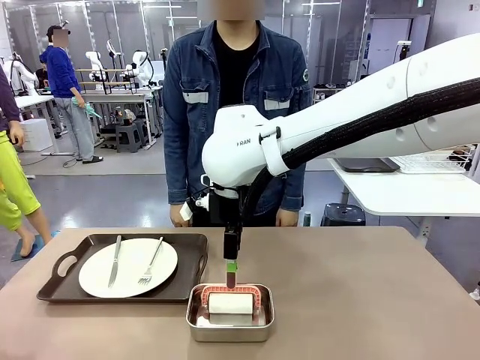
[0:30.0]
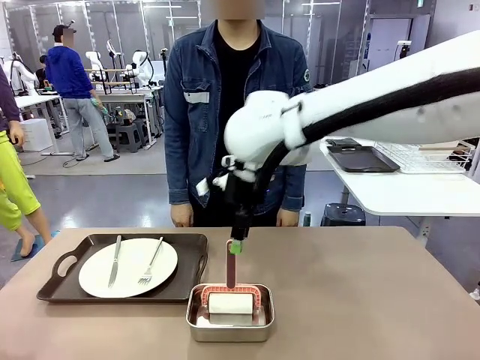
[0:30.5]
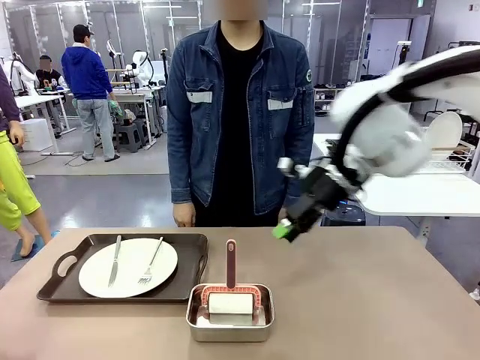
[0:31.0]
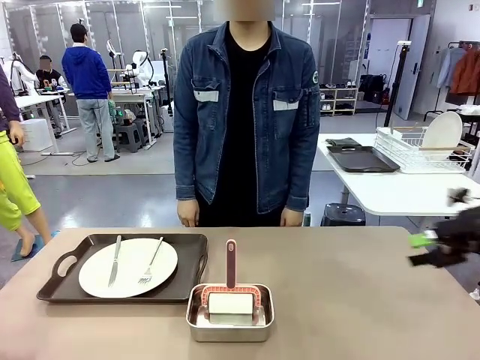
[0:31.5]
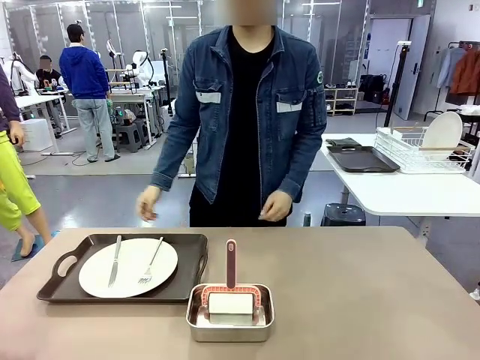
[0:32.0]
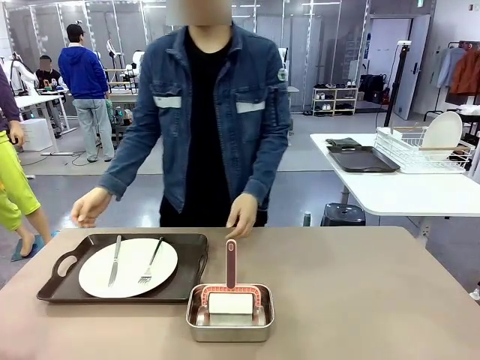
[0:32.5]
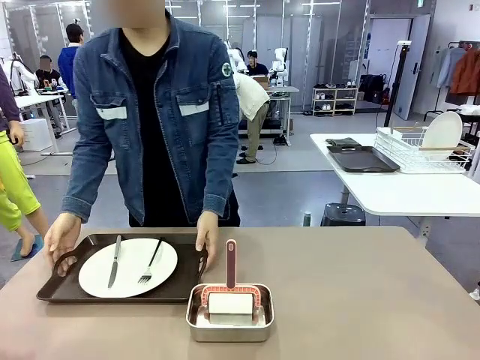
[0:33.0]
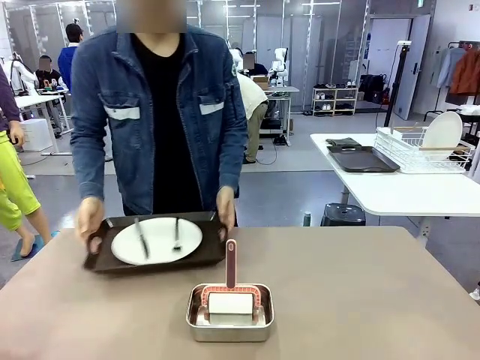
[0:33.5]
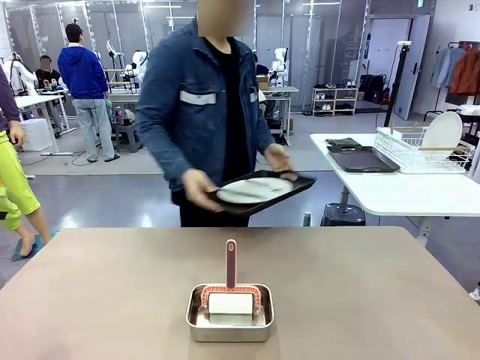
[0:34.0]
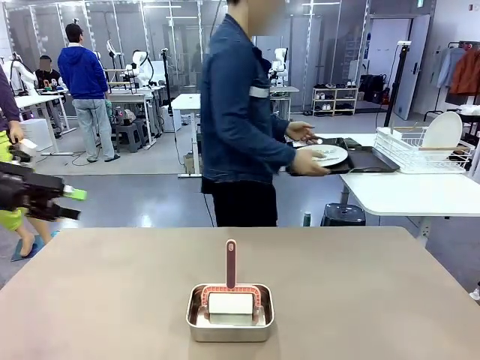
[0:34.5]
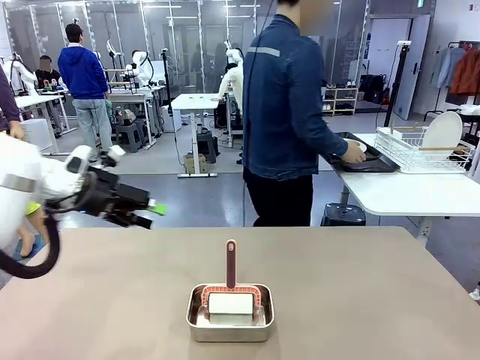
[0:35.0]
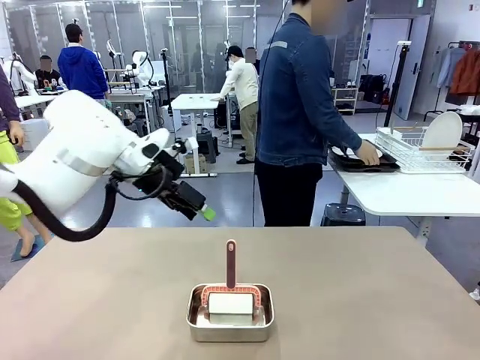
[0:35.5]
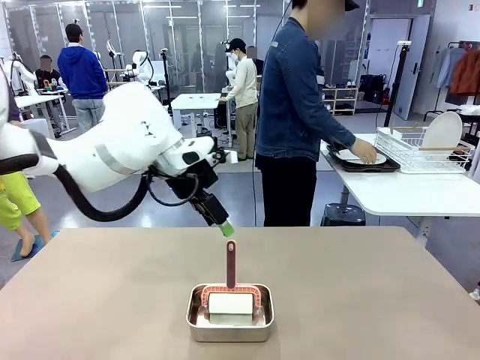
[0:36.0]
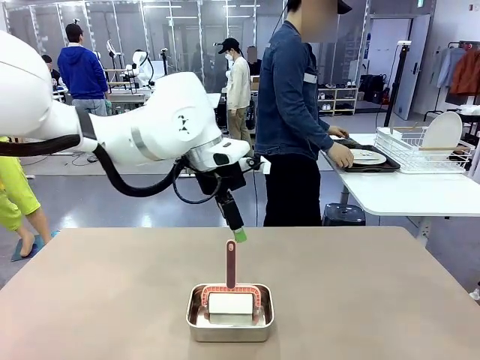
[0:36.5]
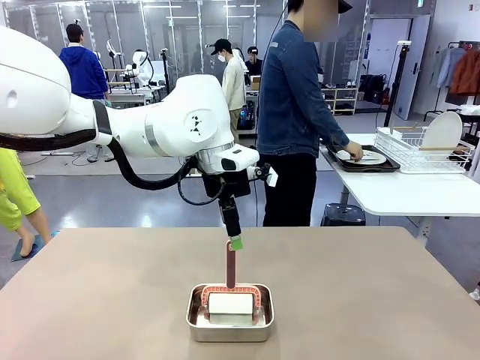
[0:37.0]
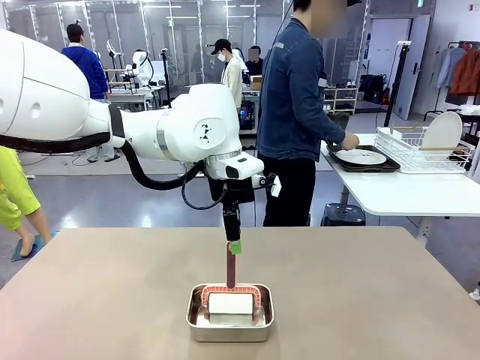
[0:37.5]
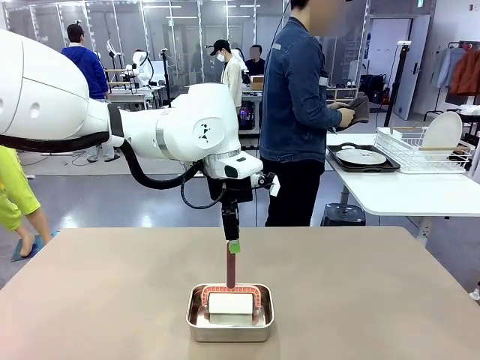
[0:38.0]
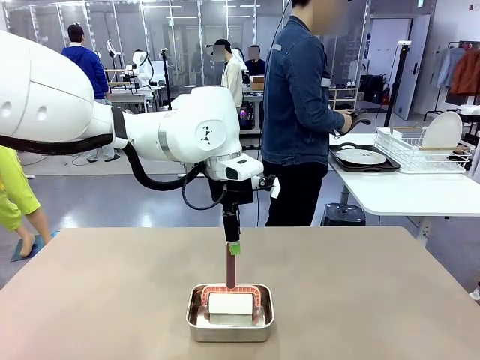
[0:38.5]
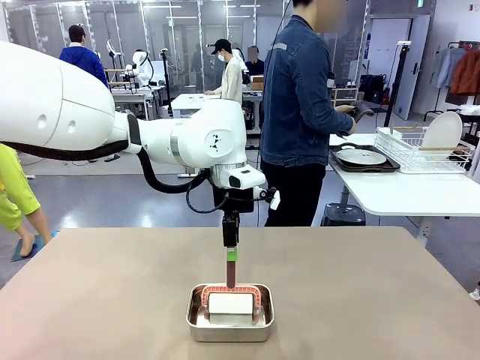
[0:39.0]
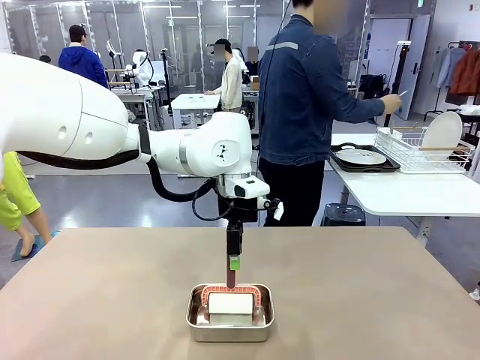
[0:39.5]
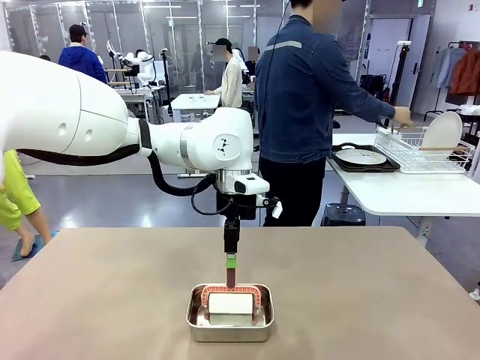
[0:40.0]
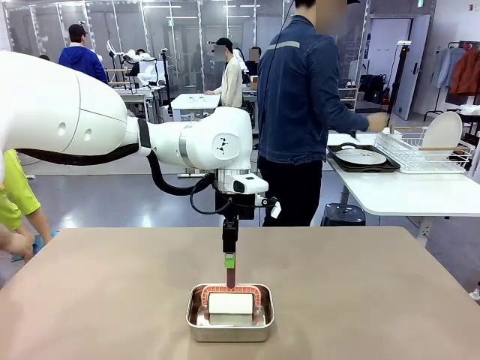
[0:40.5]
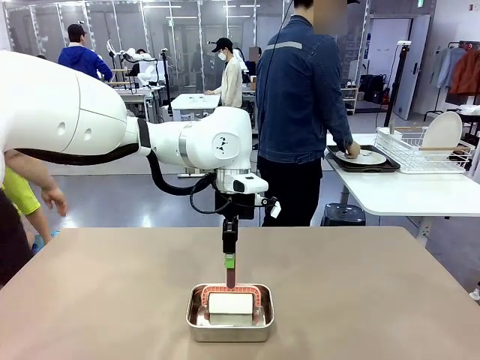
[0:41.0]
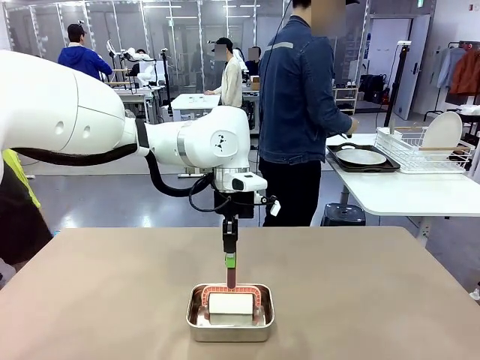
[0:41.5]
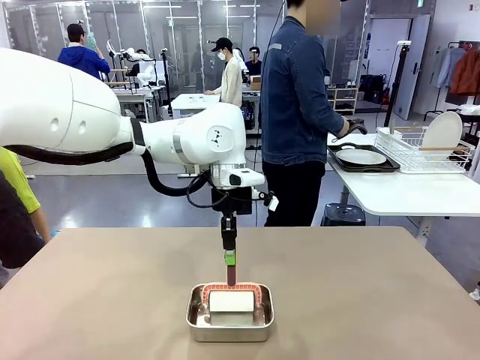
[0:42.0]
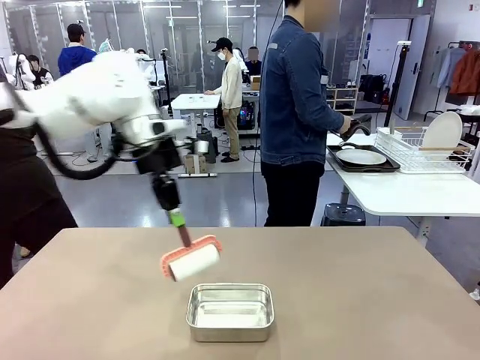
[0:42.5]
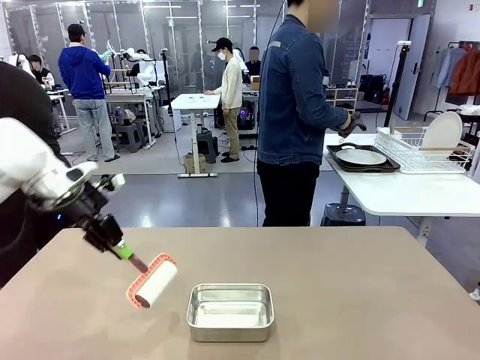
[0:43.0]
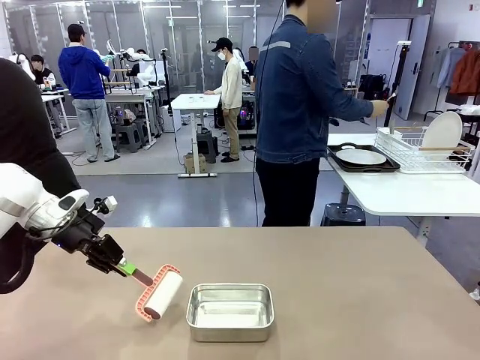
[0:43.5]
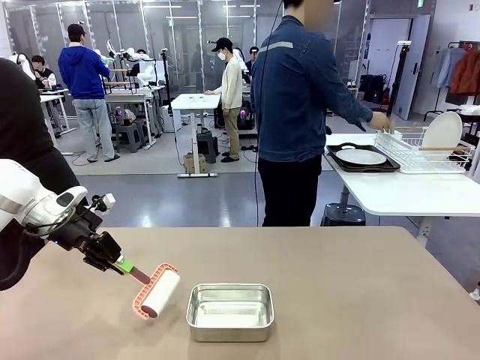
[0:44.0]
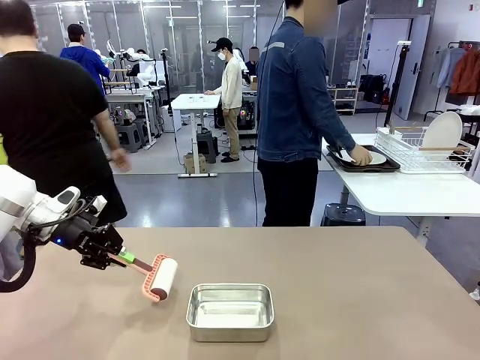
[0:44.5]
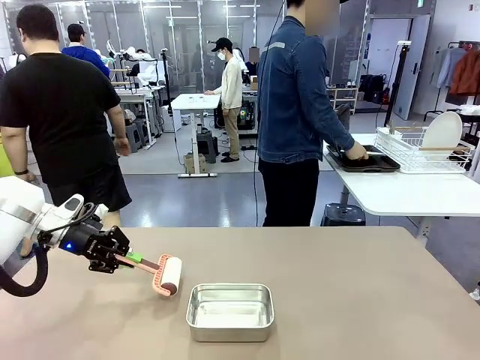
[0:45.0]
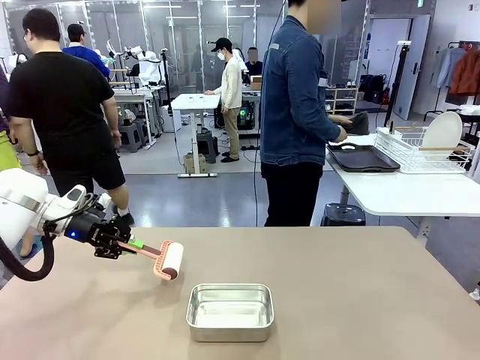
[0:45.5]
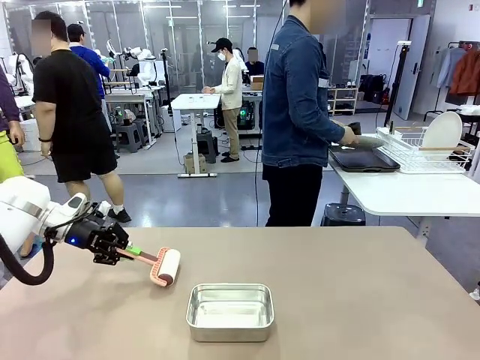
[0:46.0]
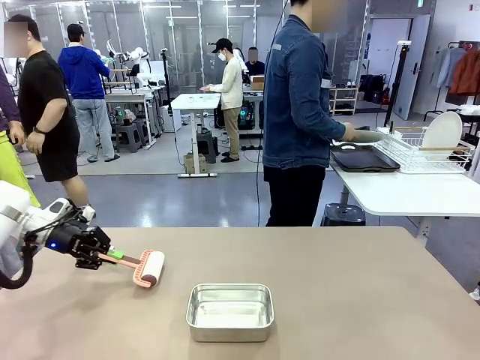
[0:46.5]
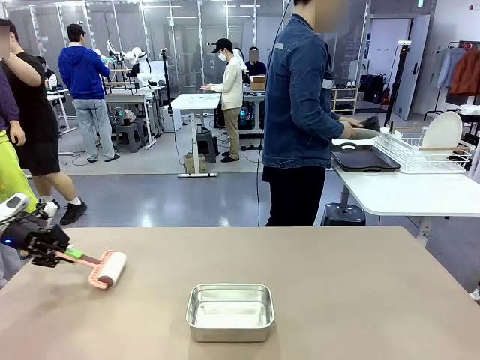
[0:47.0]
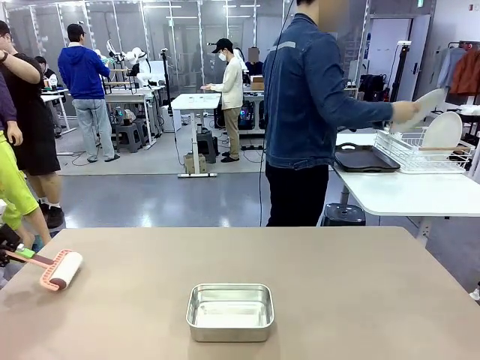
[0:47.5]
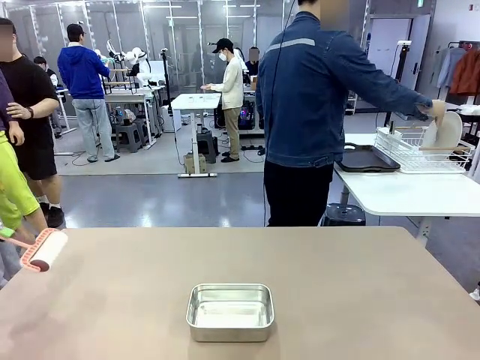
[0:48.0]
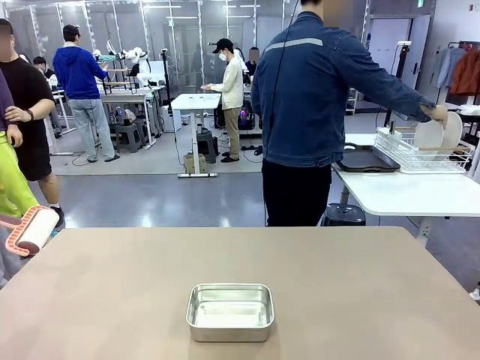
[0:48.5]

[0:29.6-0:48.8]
Robot: When the right (or left) Handle tray is removed, use the right hand (or left hand) to clean the right (or left) side of the table with the Lint Roller.
Person: Use the Towel with hook to wipe the Plastic Matte Plate , Fork , and Knife and place into the Dish drying rack.

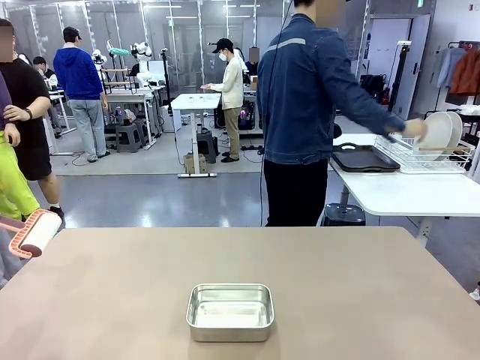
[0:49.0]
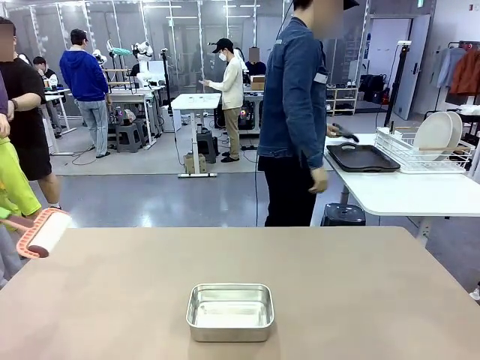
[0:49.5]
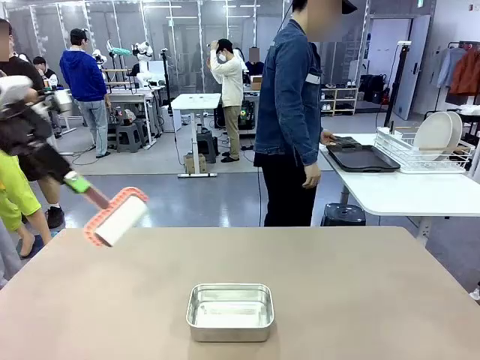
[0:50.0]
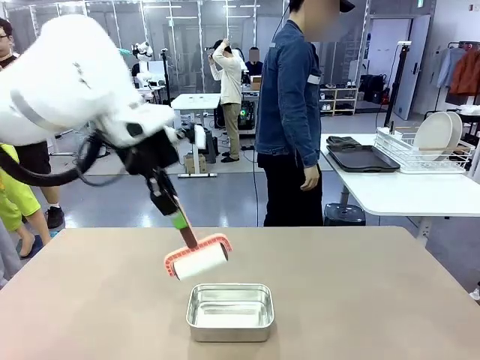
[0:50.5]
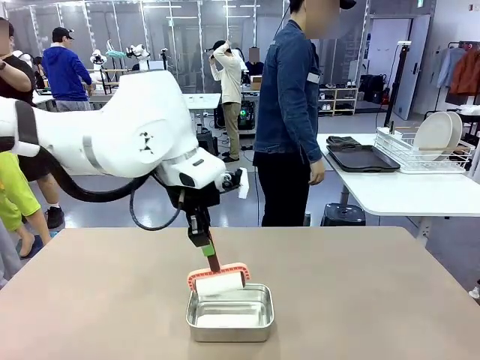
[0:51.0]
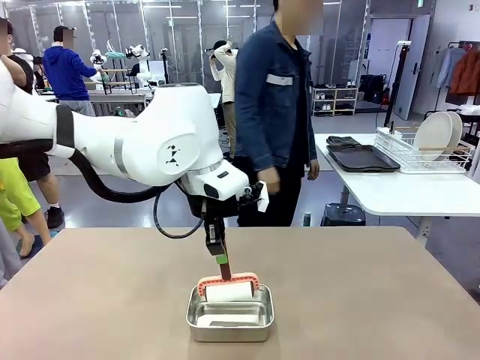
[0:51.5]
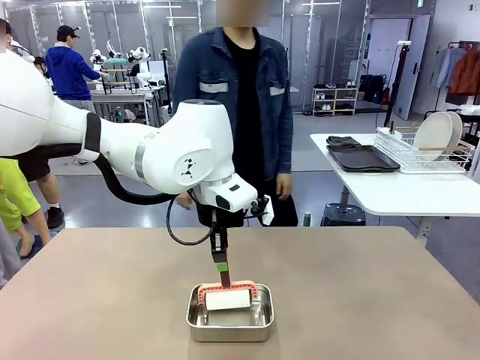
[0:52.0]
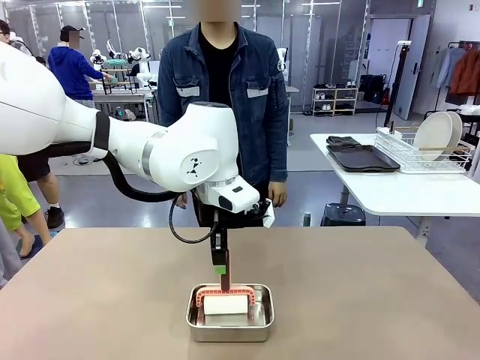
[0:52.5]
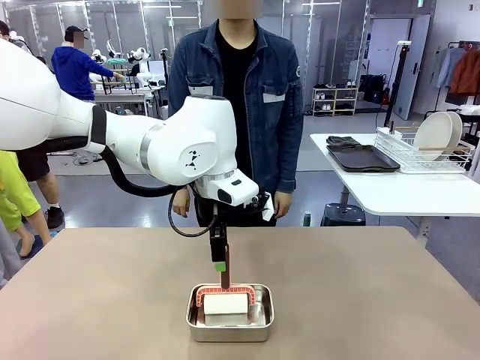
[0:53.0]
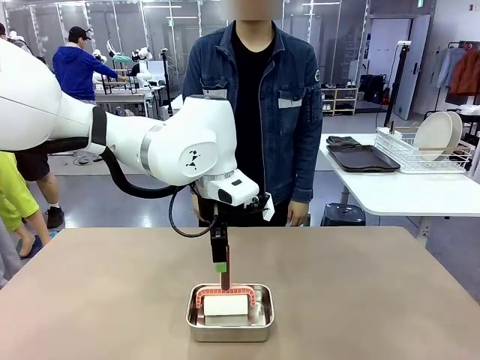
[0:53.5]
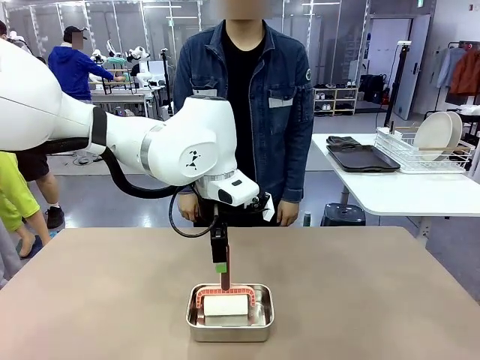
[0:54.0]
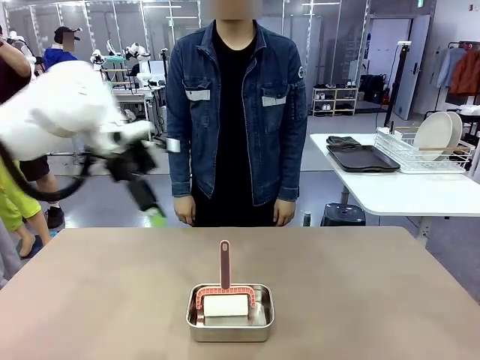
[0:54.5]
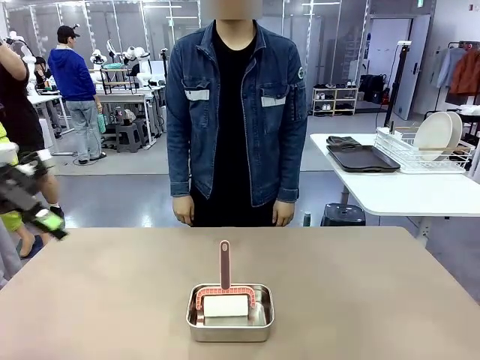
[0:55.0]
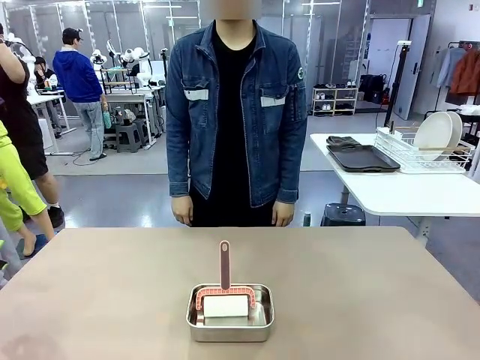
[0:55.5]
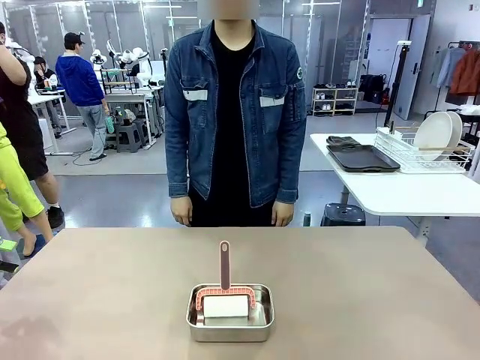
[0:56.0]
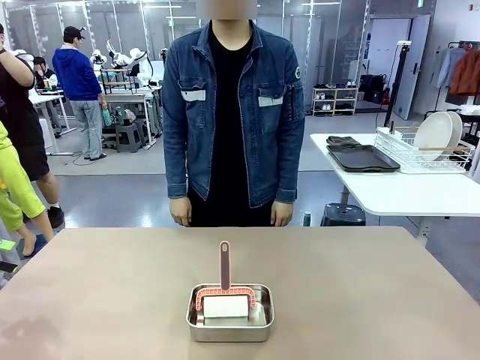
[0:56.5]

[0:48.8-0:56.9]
Robot: Place the Lint Roller back on top of the Airtight Container.
